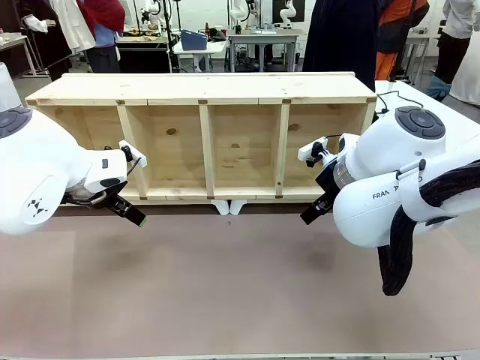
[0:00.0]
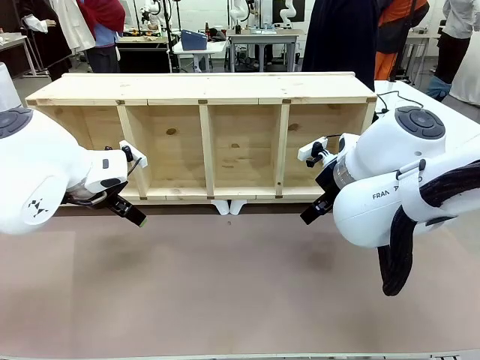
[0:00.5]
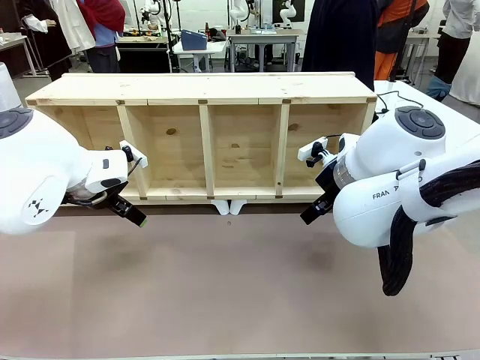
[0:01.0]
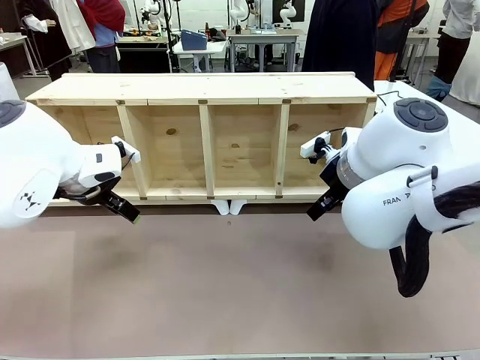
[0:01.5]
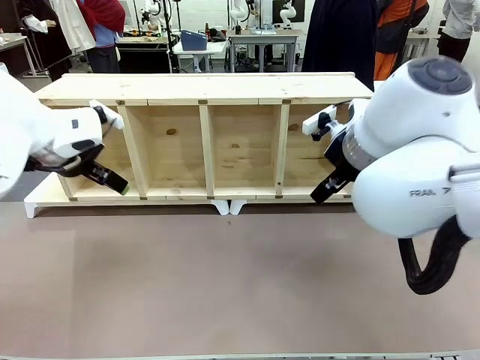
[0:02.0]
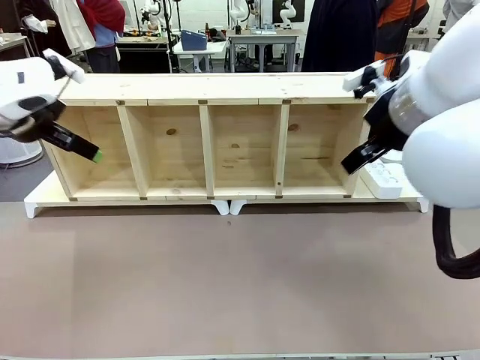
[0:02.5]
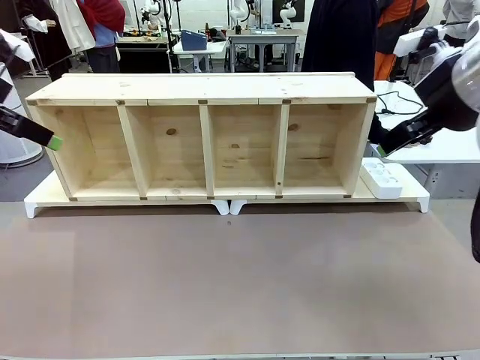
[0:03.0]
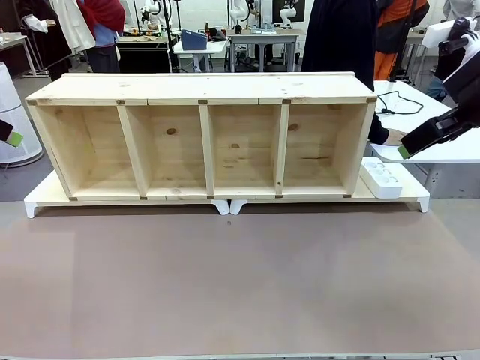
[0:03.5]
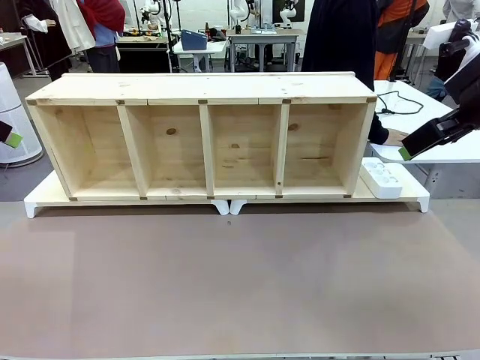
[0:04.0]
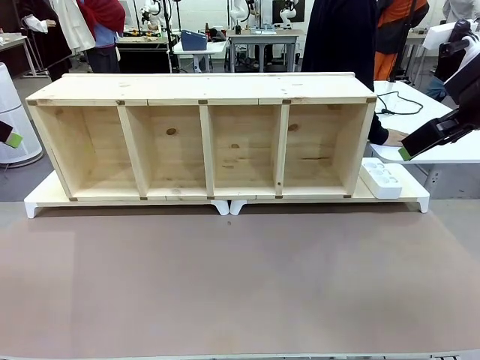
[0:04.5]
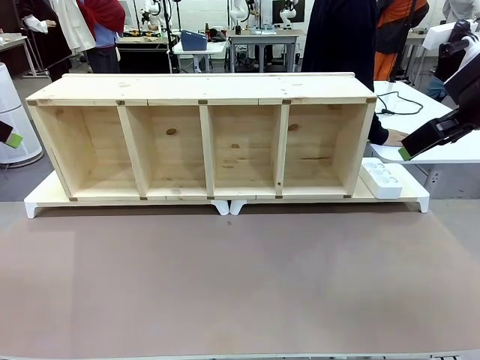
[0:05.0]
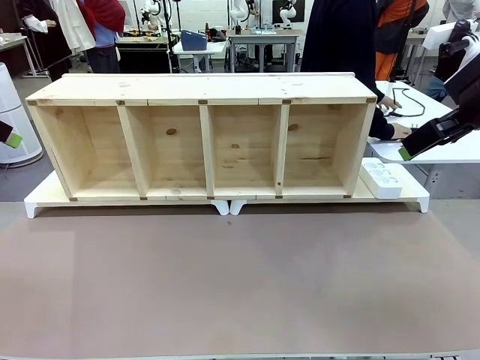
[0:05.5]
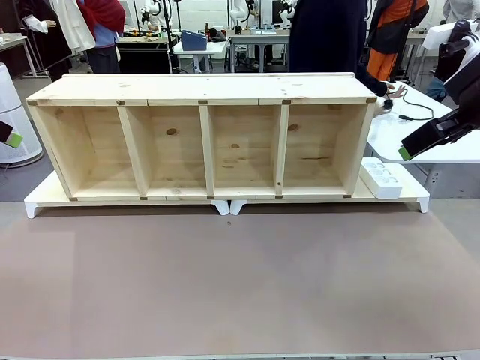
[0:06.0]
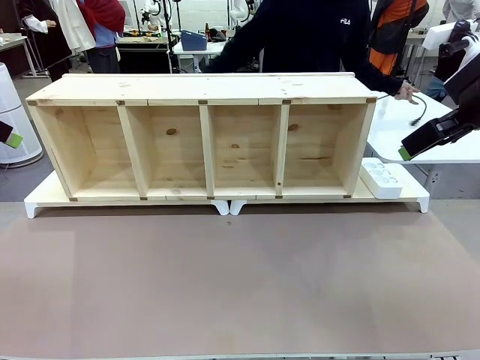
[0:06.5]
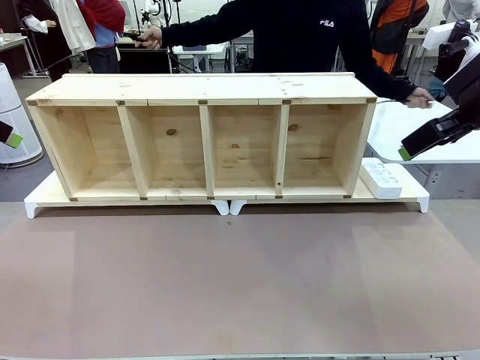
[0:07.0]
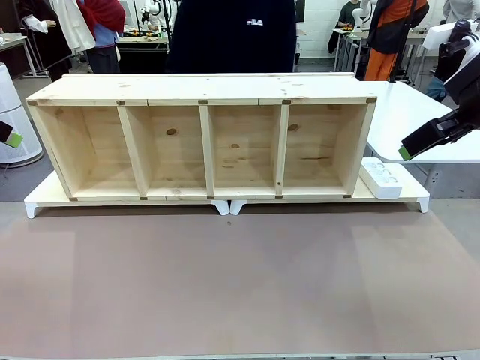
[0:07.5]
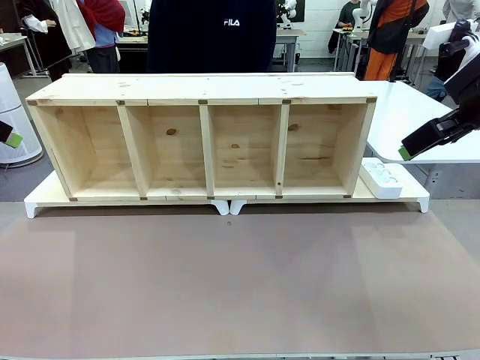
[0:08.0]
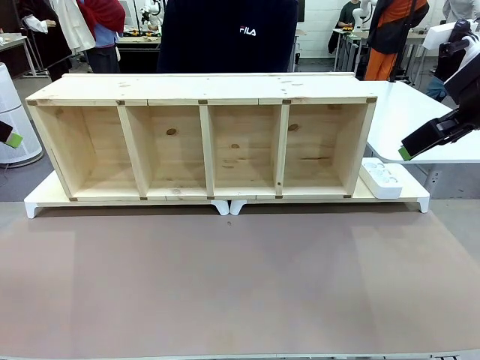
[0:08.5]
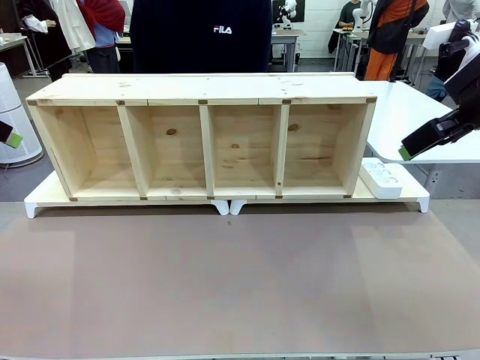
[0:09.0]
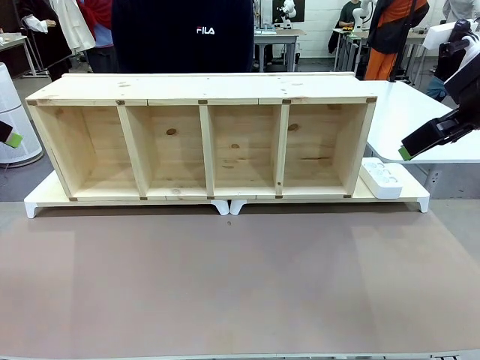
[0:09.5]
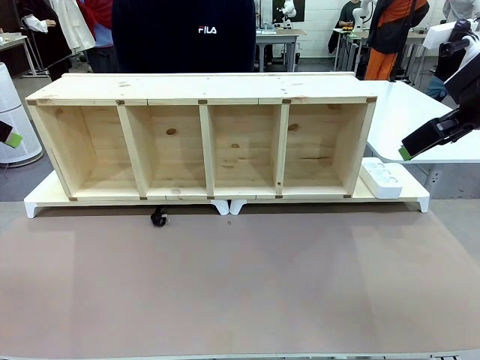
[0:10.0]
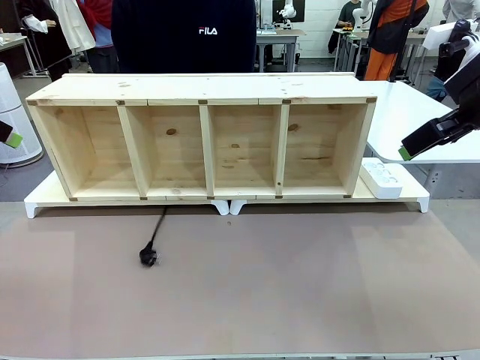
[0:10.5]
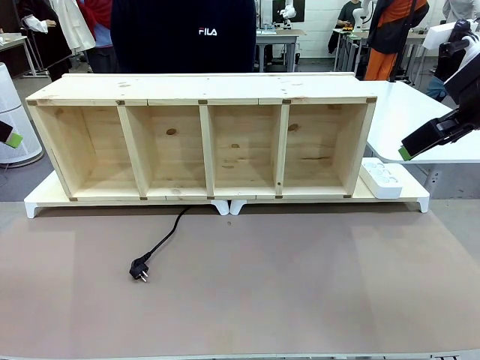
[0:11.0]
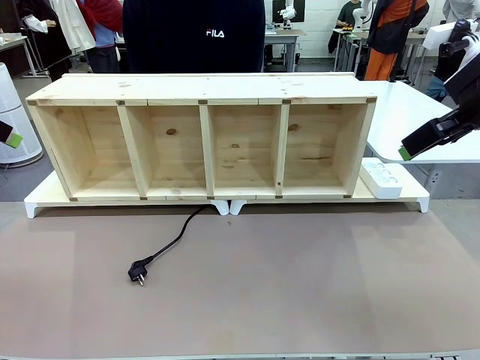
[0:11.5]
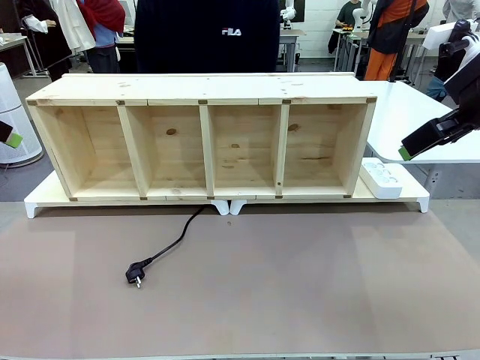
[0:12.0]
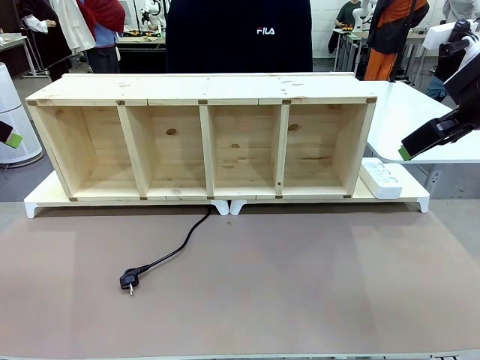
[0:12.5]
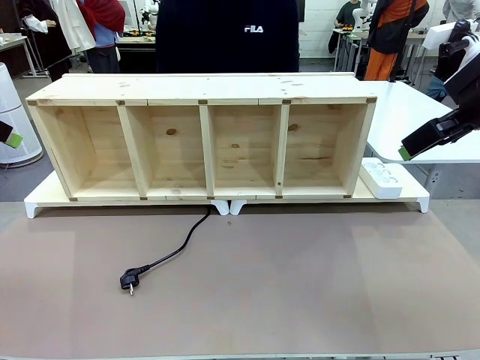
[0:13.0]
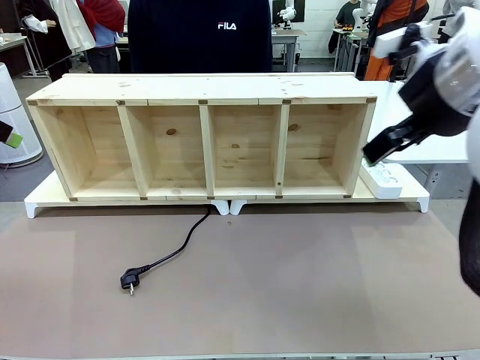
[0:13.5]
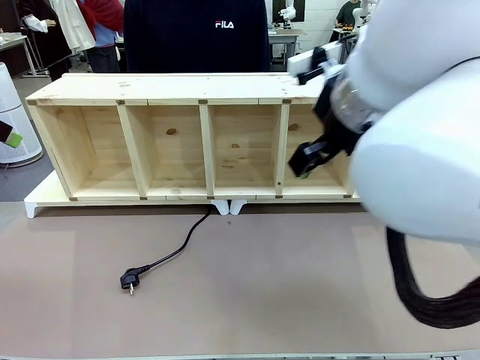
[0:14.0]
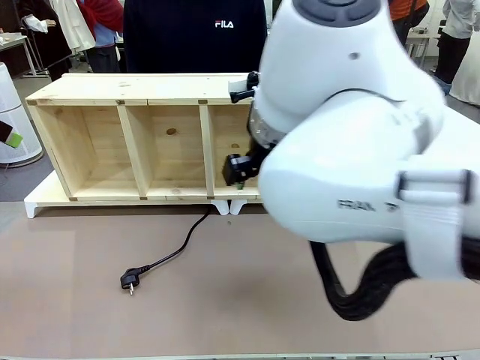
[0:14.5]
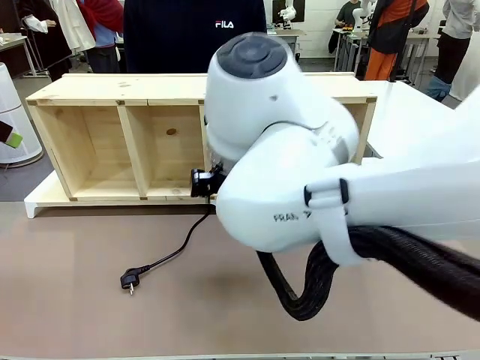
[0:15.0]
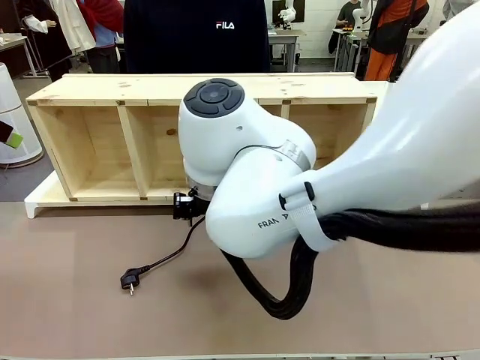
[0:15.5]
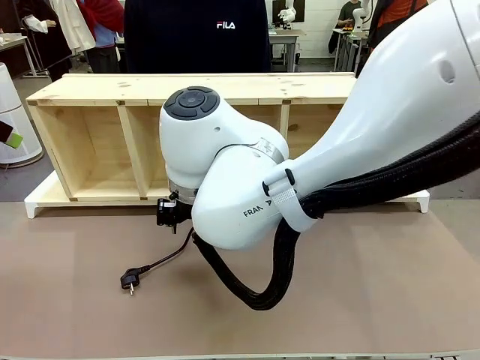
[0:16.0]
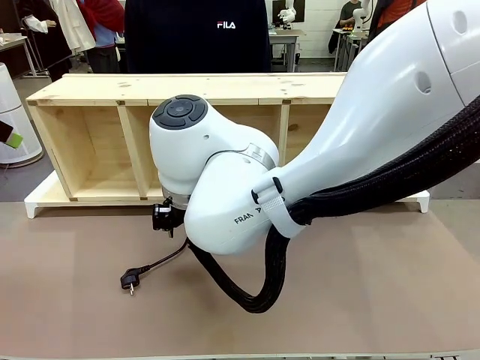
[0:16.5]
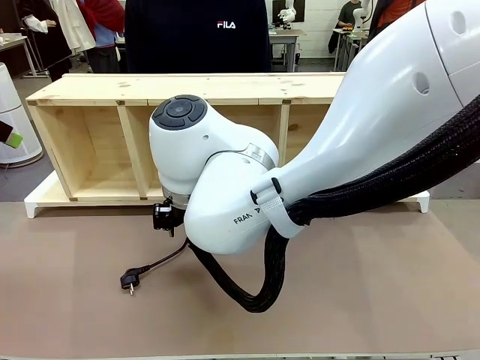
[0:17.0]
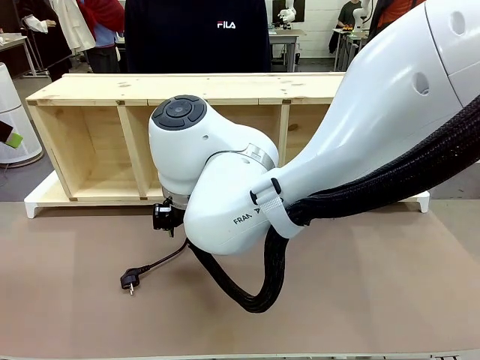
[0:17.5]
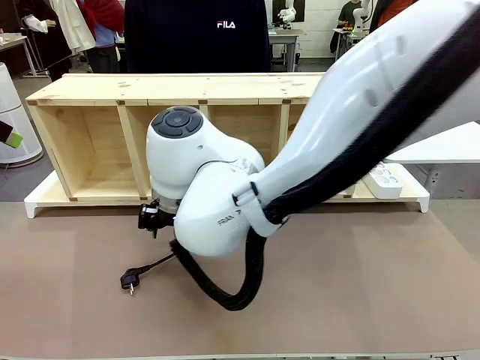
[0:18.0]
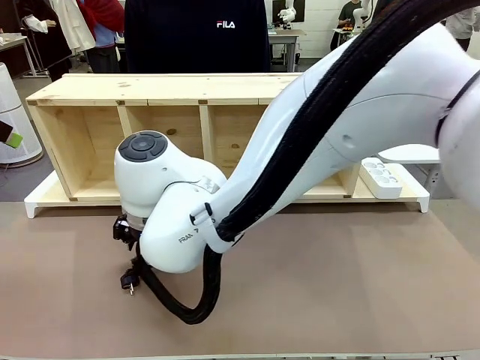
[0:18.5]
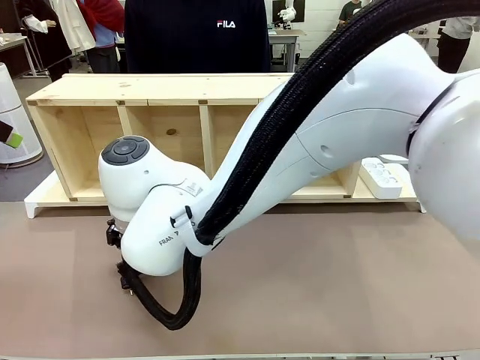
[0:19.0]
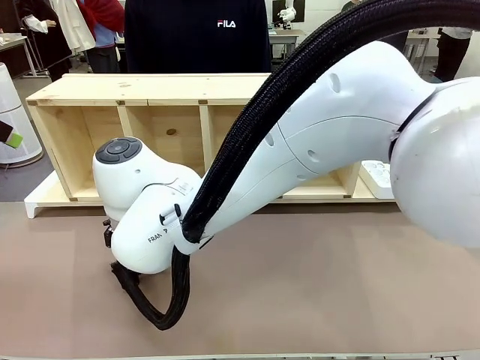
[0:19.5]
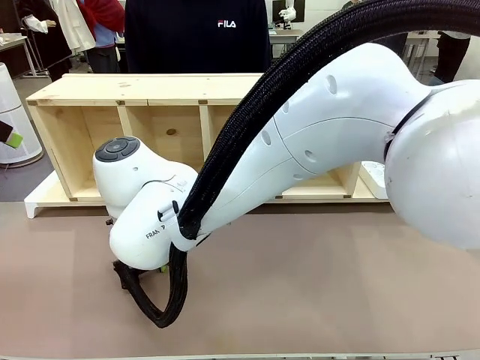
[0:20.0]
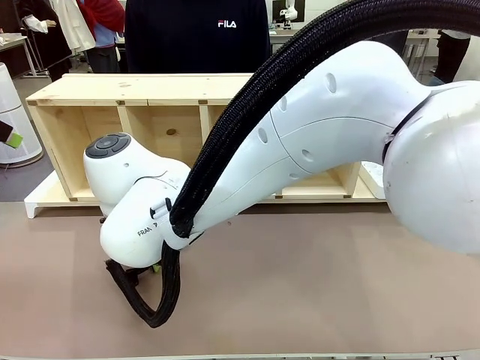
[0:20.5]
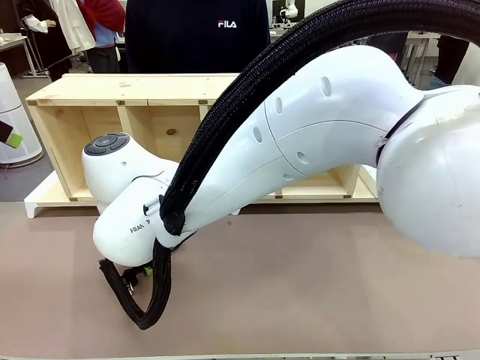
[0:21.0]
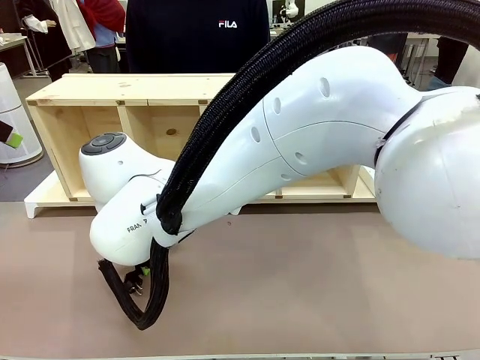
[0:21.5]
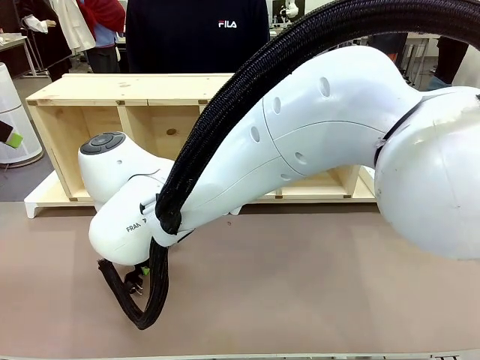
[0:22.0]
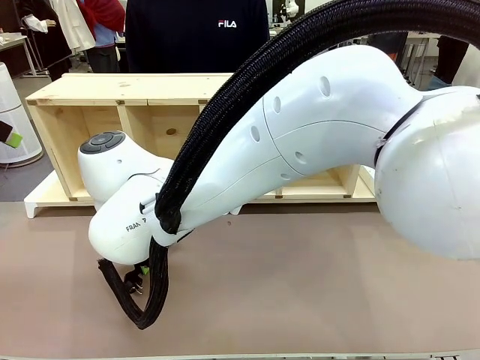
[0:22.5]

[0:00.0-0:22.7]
Task: Perform cable management.
Robot: When the cord part of the Power Cable appears at the lower middle area of the table and stops, grasp the cord part of the Power Cable.
Person: Pass the Power Cable under the Serving Table.
